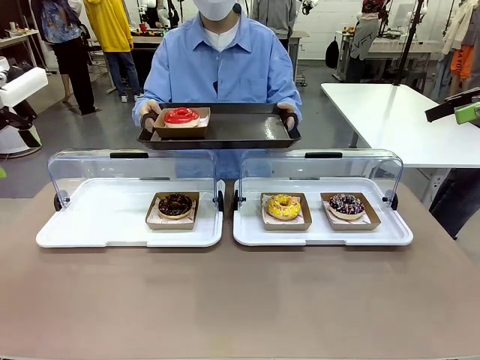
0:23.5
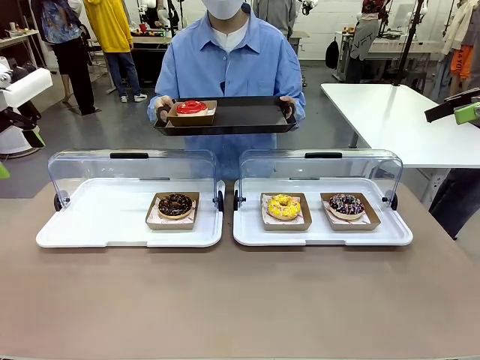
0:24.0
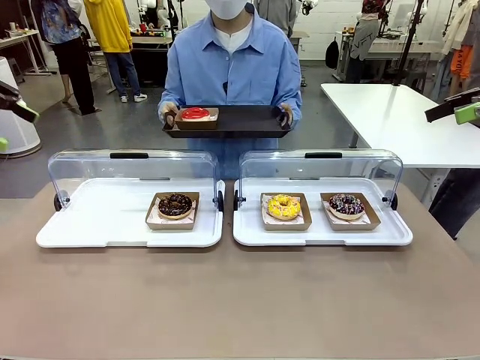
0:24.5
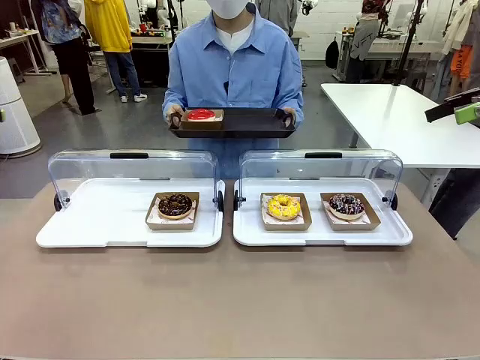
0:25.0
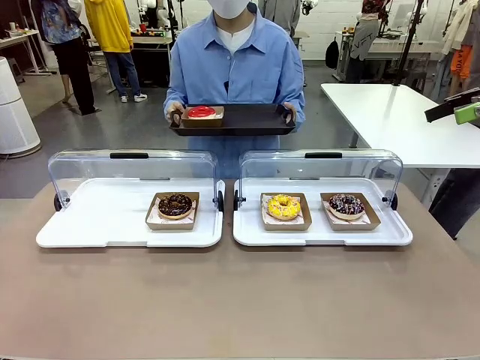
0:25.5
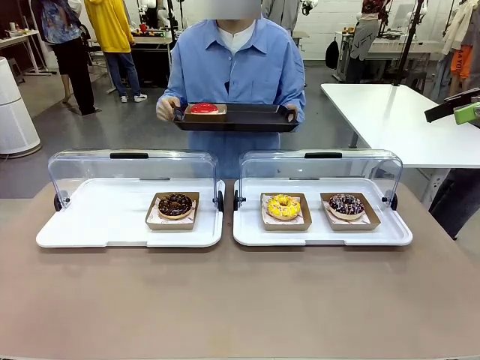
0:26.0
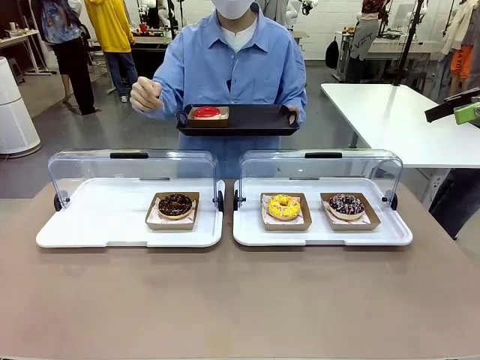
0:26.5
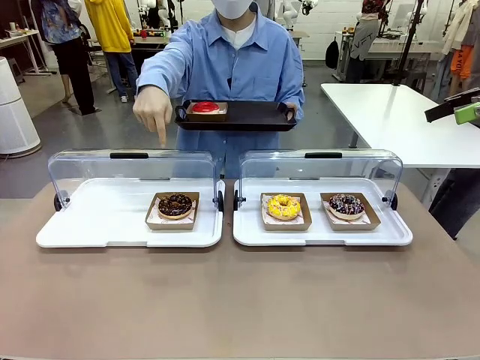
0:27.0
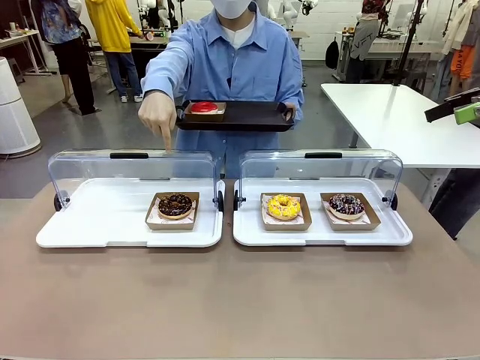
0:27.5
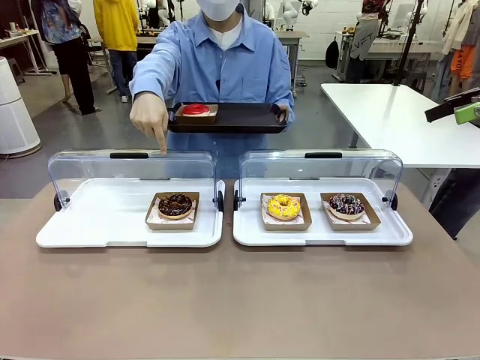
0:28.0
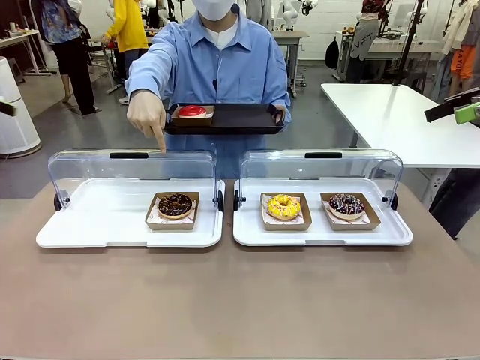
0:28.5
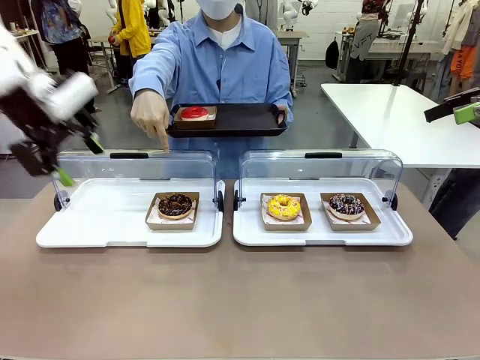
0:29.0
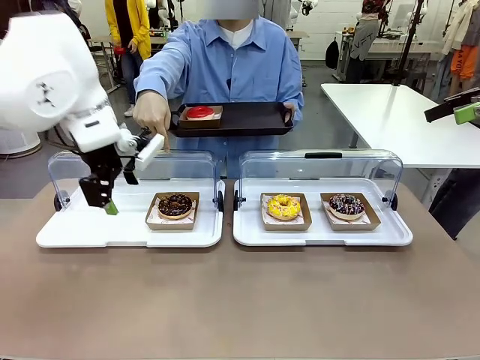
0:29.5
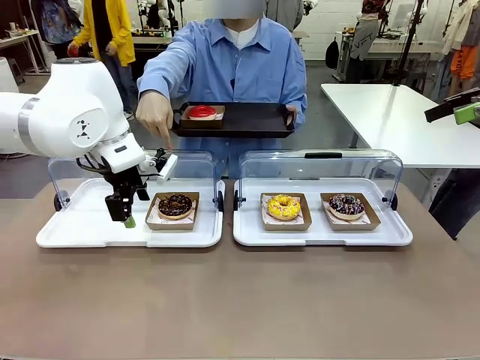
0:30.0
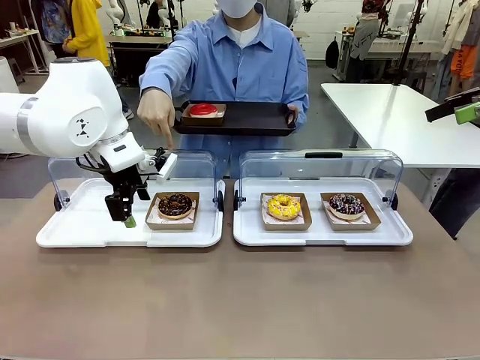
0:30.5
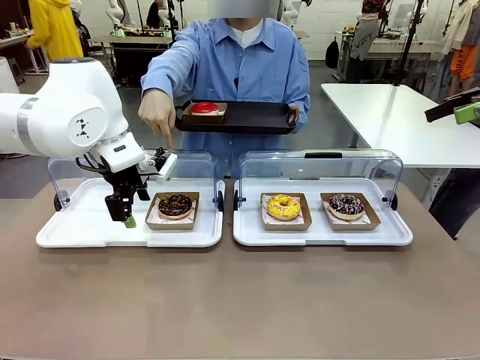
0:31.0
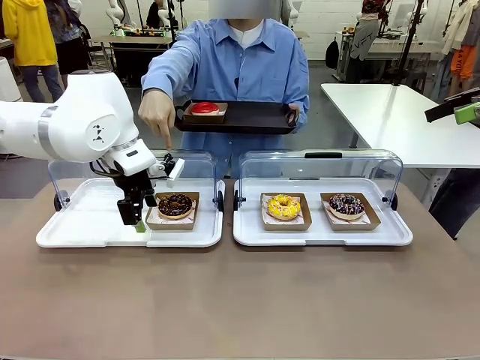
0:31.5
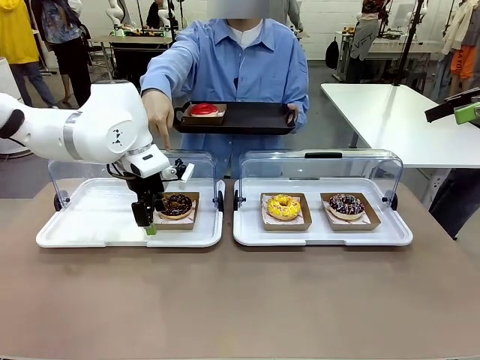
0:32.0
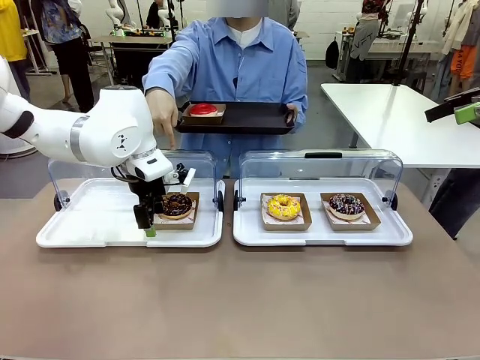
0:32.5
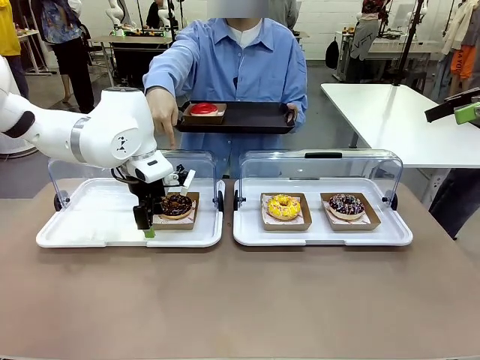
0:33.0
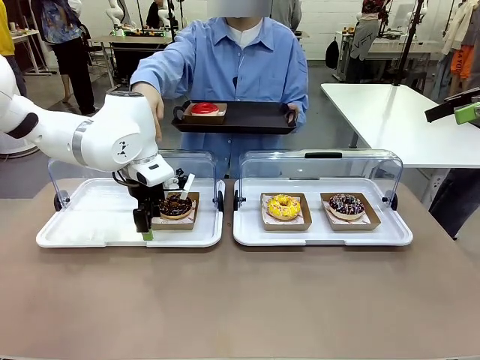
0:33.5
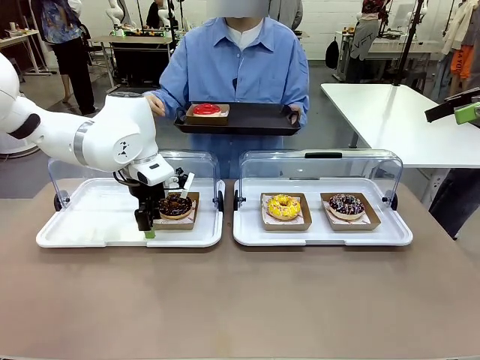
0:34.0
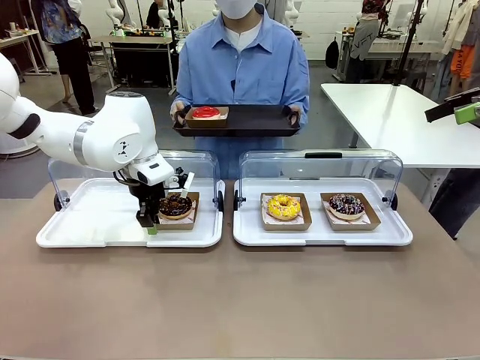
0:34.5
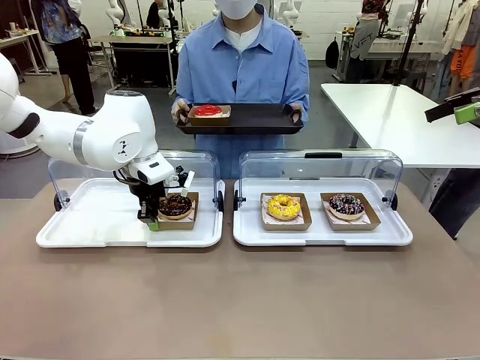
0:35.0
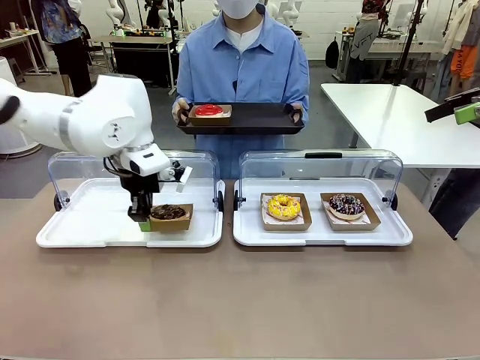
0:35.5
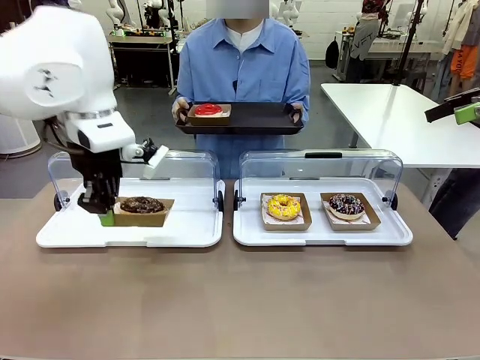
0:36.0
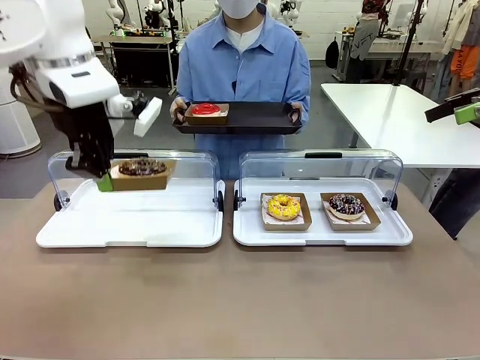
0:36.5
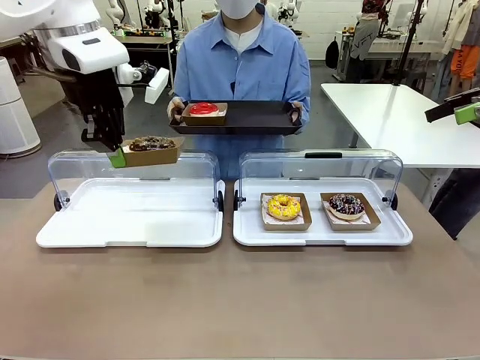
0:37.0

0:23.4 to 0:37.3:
Task: Provide the desired donut to the person.
Robot: Pick up and lift the Paper togo box containing the Donut pointed at by the person.
Person: Point to one donut. Lift the tray onto the Roll-Top Bakery Case.

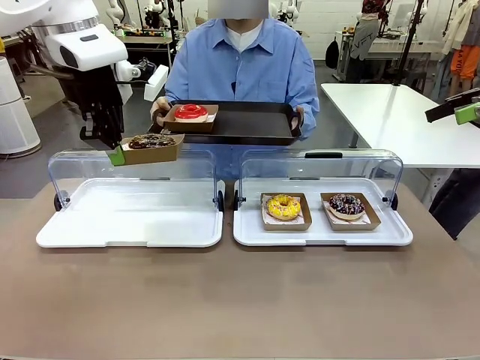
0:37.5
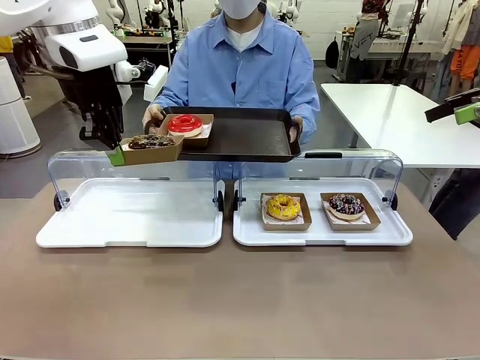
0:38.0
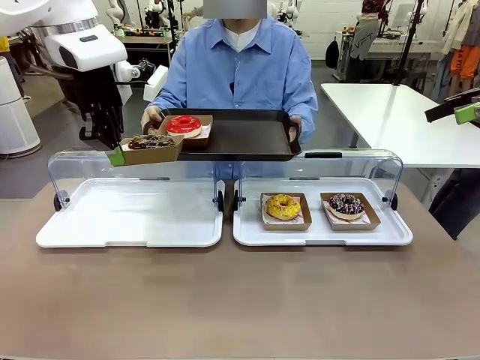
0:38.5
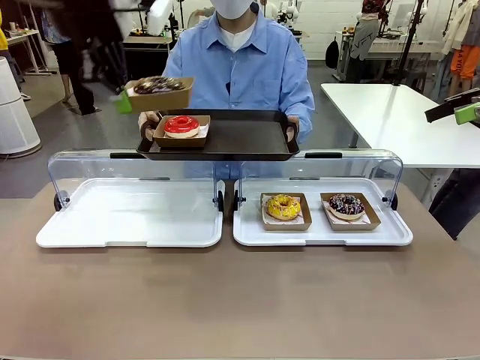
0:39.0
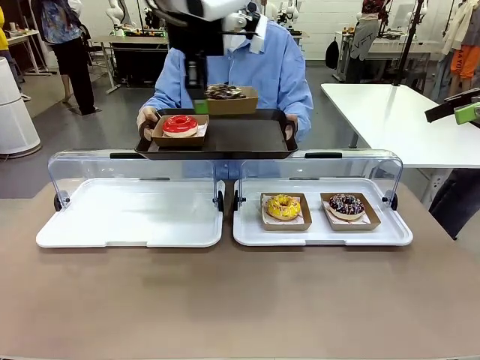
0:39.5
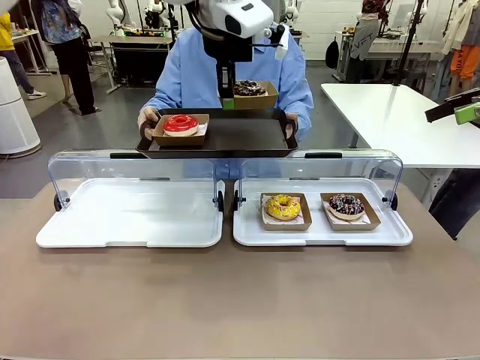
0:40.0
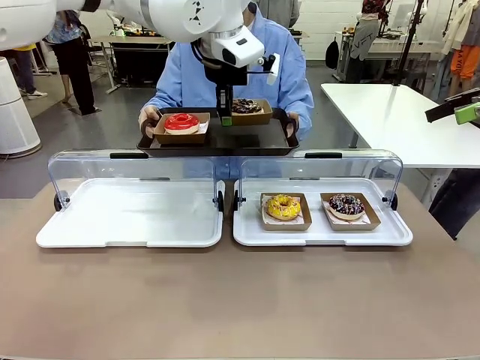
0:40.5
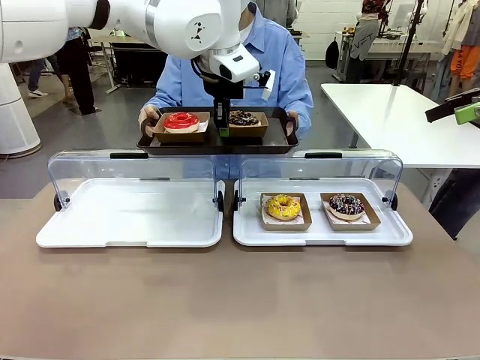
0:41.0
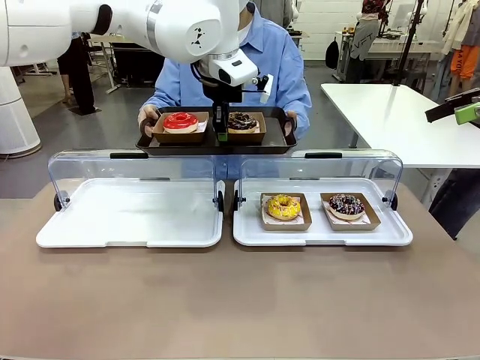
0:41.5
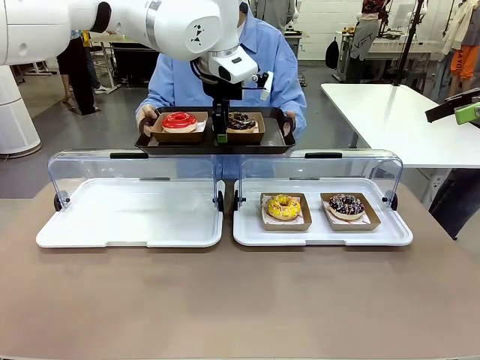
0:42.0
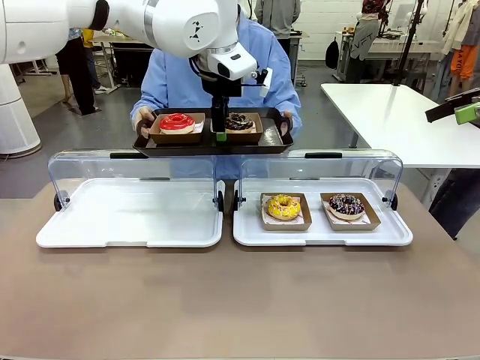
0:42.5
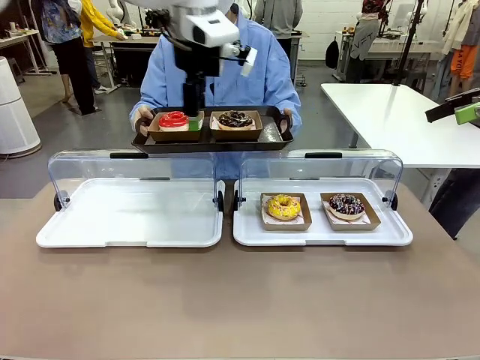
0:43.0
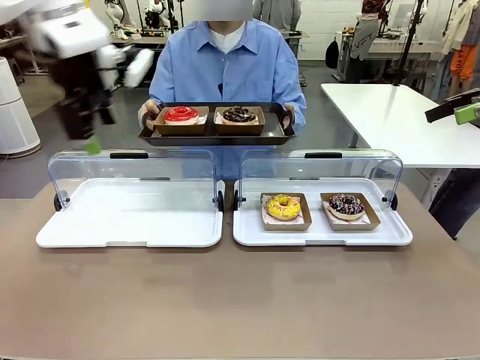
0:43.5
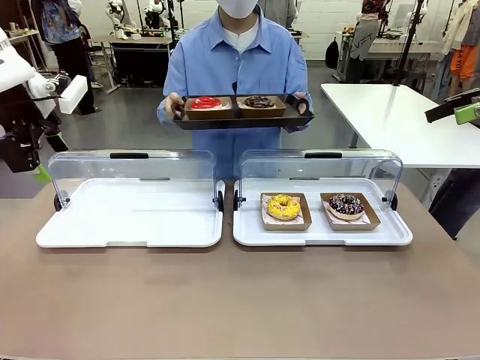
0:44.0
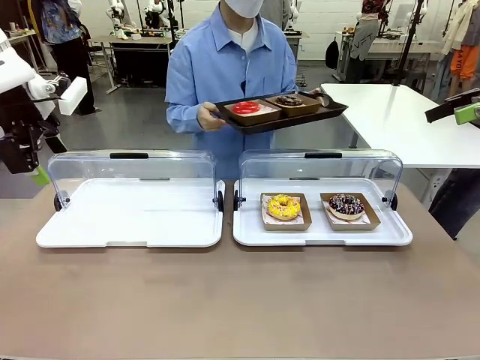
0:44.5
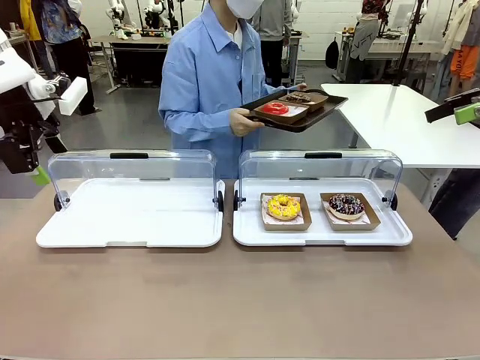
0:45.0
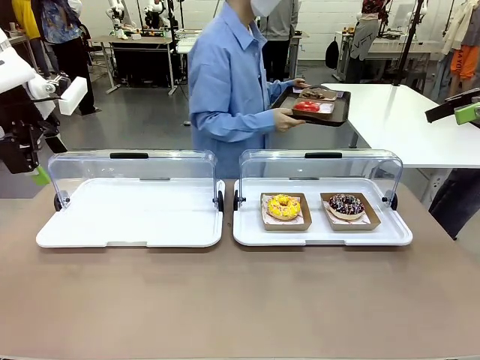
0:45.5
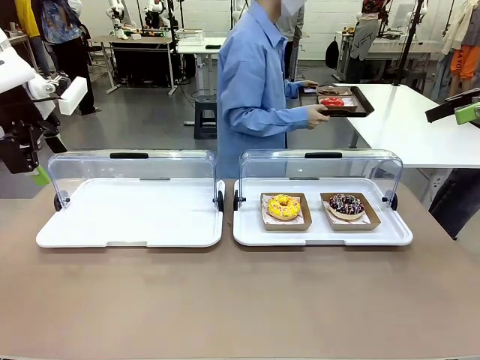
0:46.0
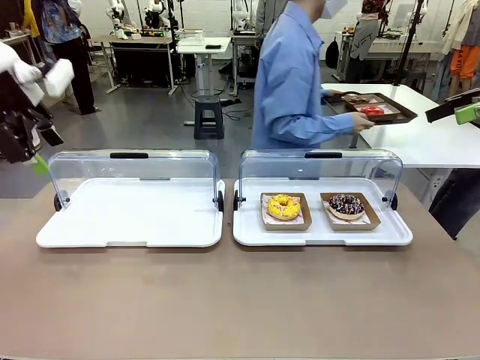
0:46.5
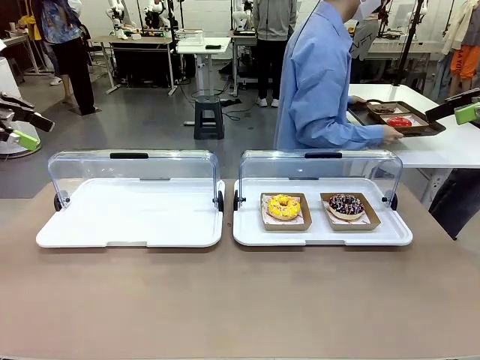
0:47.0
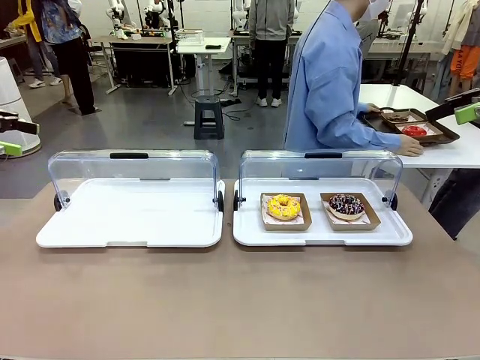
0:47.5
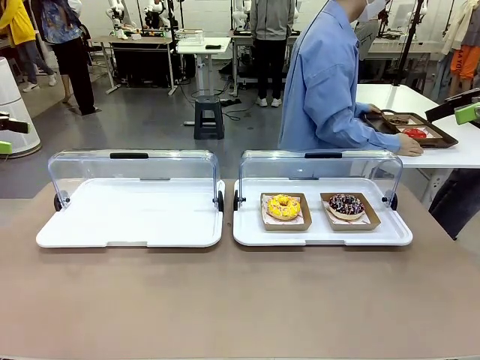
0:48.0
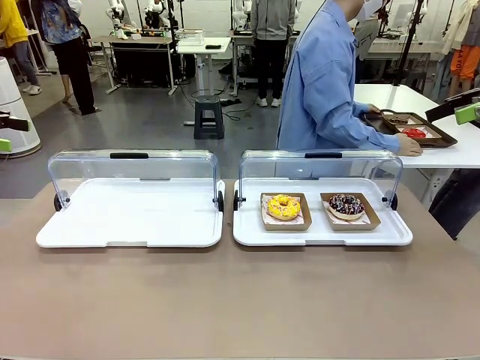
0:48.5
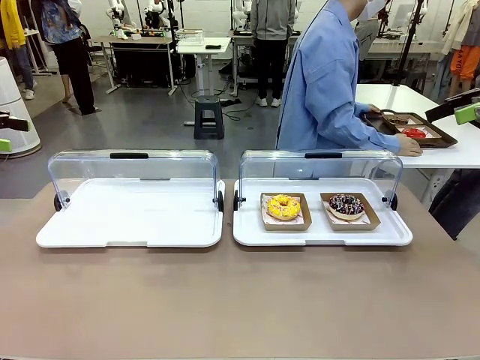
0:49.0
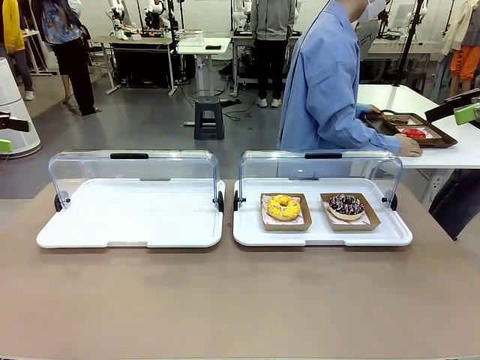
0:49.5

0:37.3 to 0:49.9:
Robot: Place the picked Paper togo box onto the Handle tray extended by the person.
Person: Place the tray in the middle of the human table.
